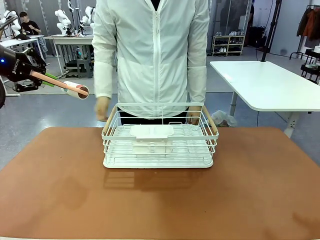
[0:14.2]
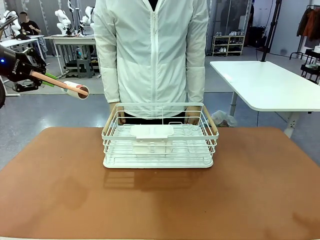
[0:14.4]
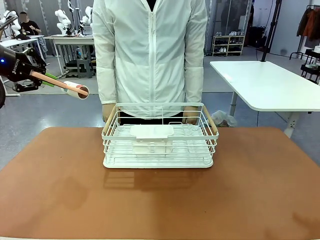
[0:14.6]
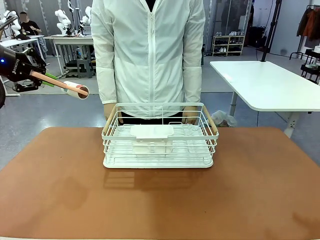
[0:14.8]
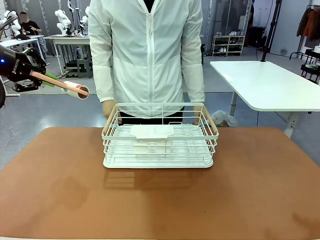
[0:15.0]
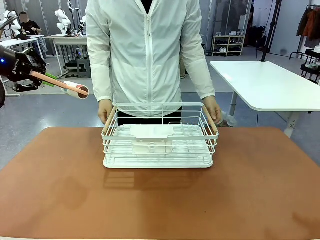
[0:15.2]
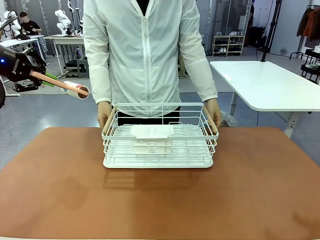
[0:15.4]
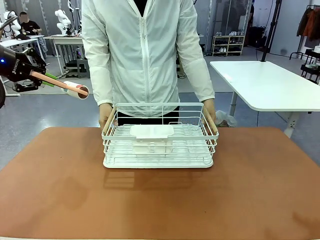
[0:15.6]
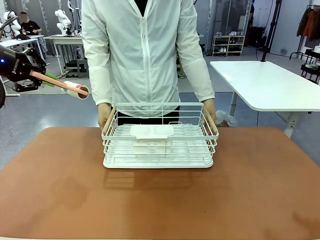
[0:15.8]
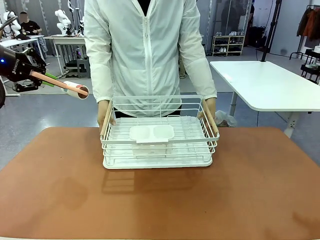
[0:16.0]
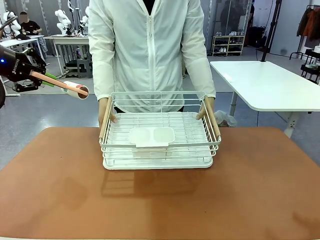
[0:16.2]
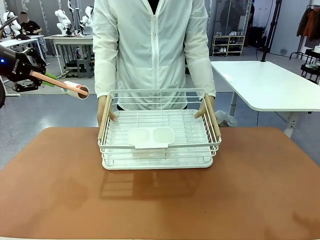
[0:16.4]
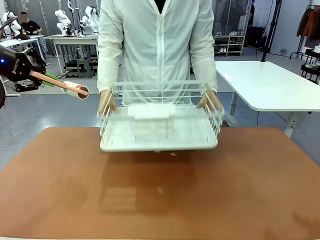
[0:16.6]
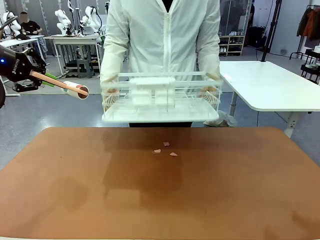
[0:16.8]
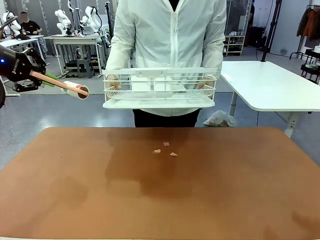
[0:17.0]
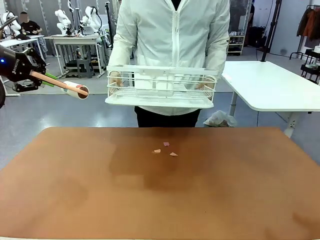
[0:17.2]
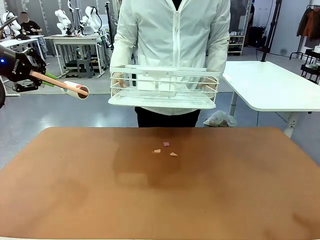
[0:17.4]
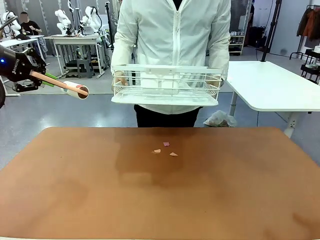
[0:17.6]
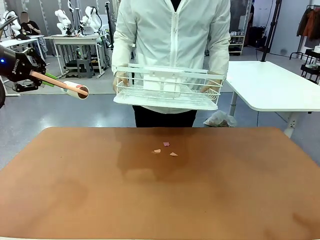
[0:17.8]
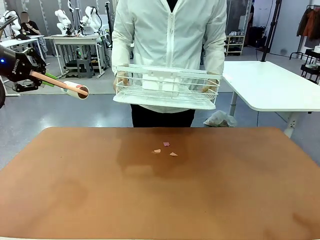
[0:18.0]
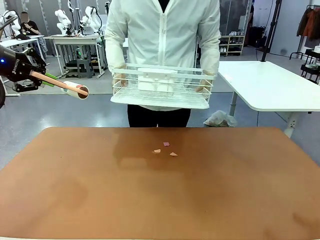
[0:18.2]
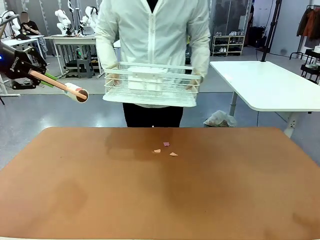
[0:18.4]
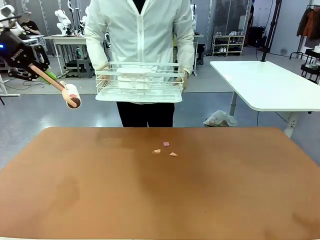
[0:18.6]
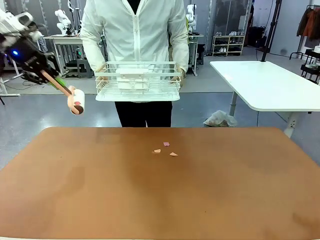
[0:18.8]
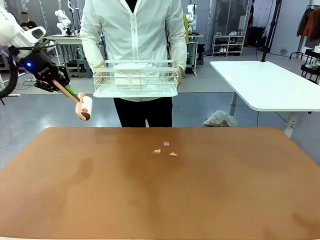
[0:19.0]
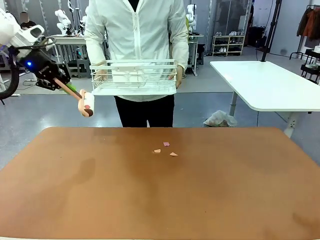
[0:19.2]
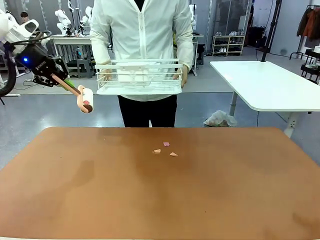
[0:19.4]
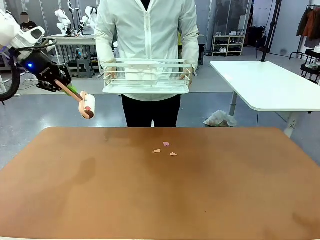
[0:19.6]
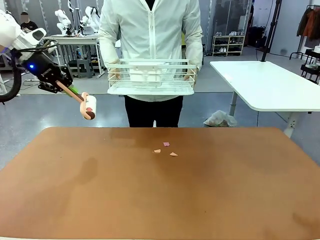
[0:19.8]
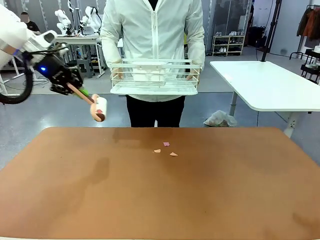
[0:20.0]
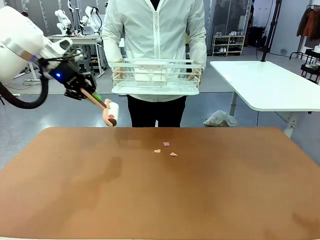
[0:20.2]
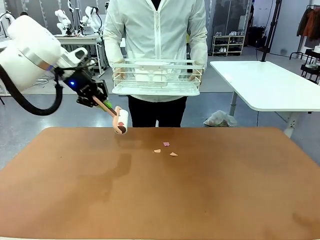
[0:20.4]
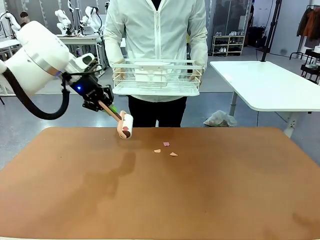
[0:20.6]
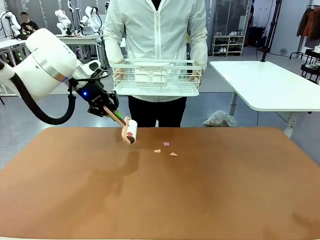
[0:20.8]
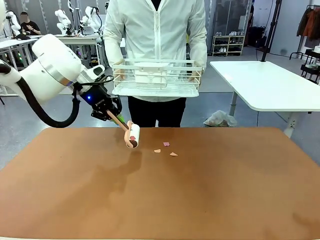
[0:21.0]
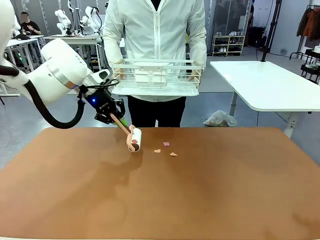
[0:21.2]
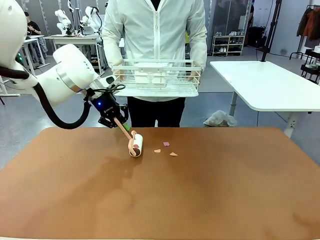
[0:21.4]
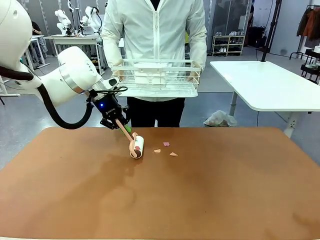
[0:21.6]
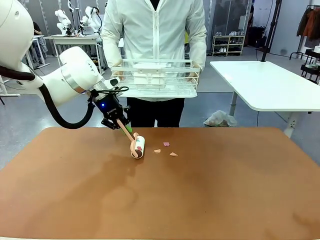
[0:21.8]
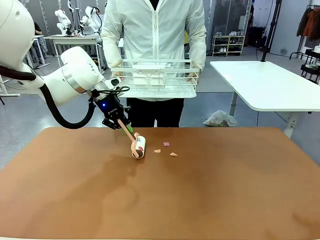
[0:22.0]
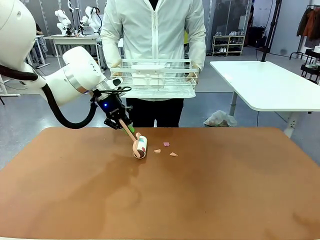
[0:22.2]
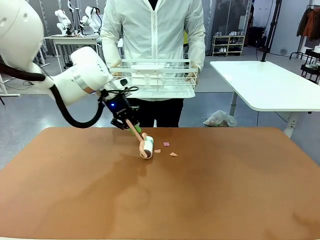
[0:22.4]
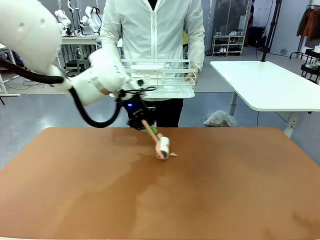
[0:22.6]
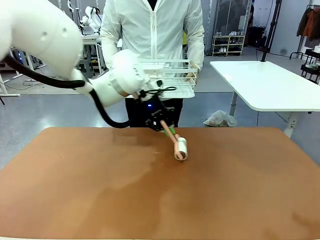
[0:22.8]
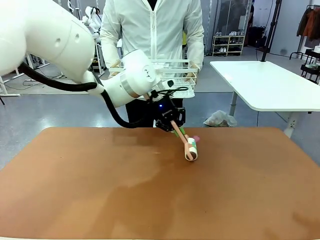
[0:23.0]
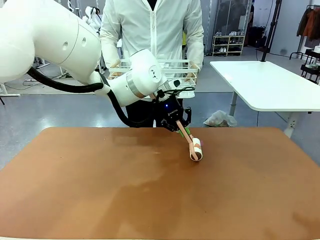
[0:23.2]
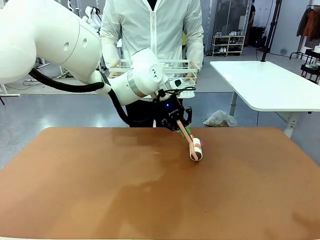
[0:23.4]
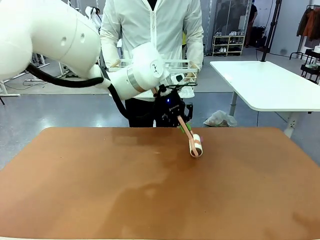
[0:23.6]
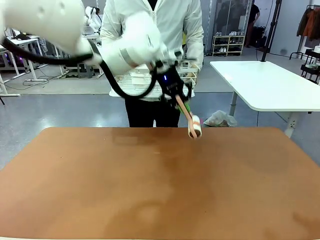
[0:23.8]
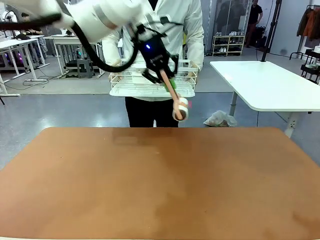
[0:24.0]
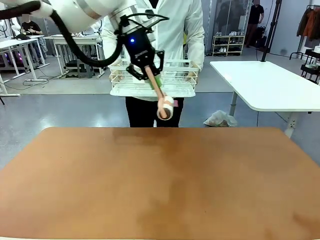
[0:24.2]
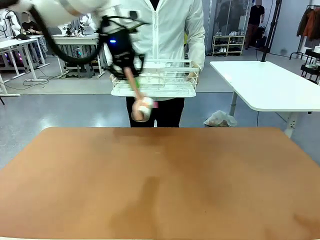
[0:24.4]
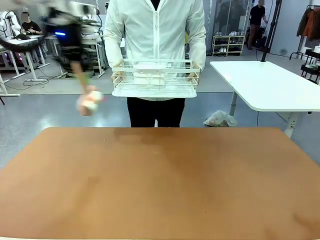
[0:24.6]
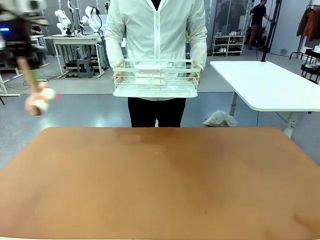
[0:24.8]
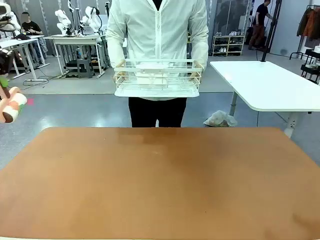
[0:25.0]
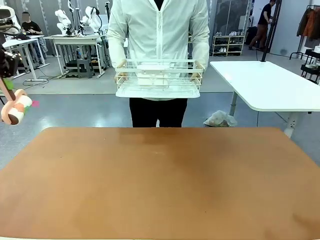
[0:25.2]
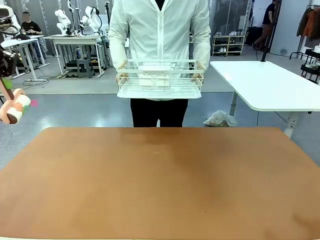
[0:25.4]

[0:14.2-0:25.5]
Task: Clean the table.
Robot: Clean the table with the Lint Roller when the human lifts the Dish drying rack.

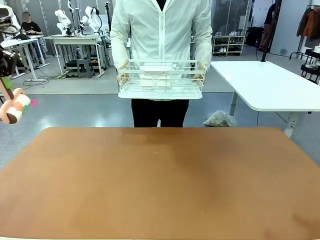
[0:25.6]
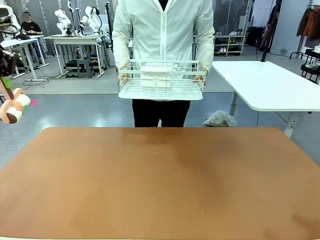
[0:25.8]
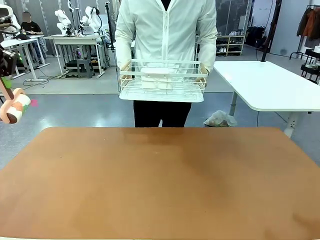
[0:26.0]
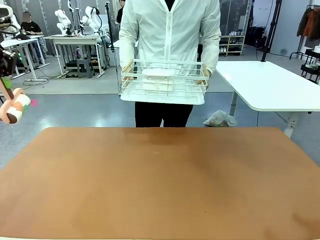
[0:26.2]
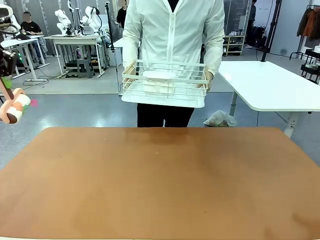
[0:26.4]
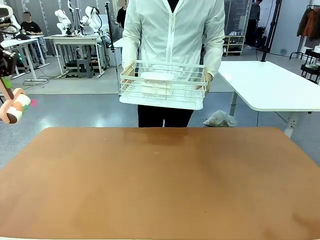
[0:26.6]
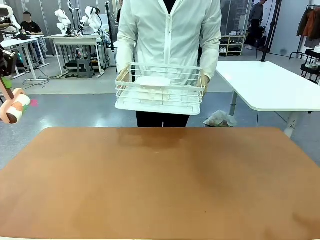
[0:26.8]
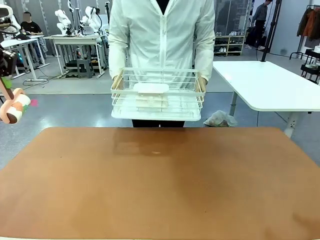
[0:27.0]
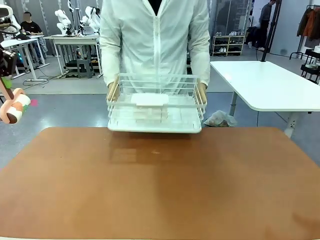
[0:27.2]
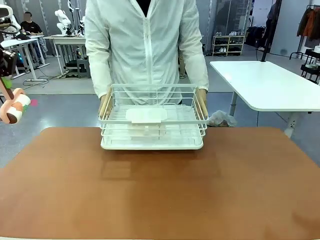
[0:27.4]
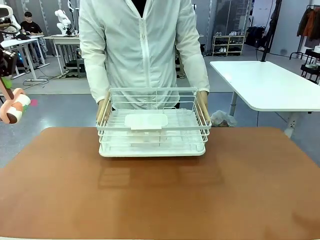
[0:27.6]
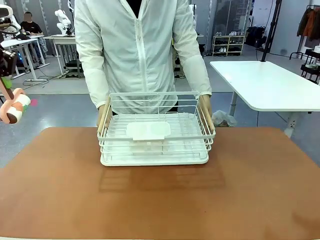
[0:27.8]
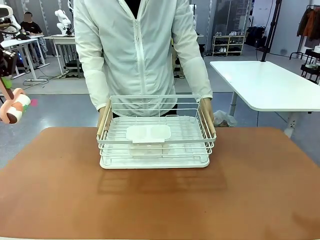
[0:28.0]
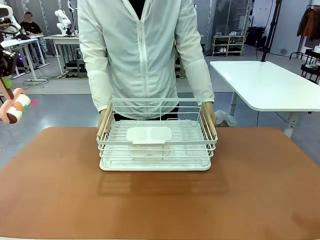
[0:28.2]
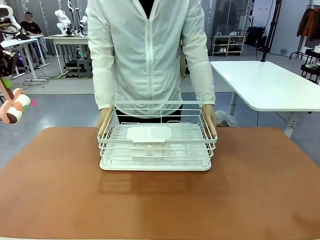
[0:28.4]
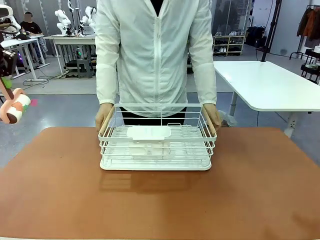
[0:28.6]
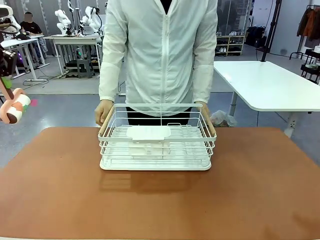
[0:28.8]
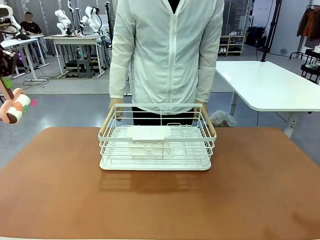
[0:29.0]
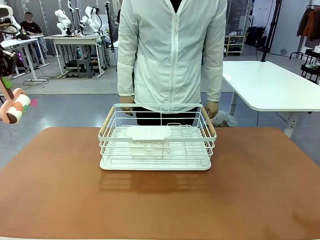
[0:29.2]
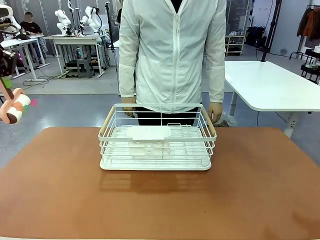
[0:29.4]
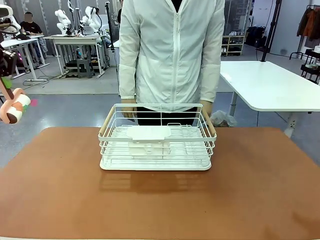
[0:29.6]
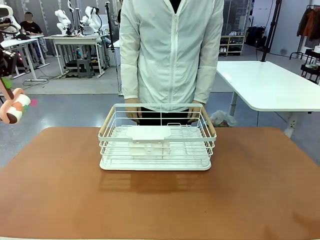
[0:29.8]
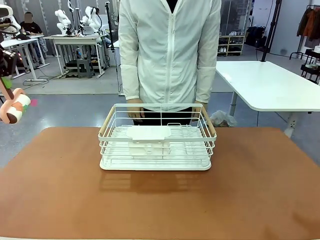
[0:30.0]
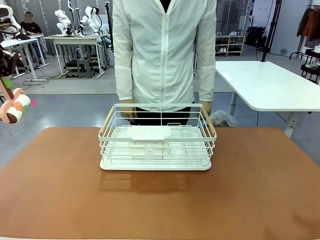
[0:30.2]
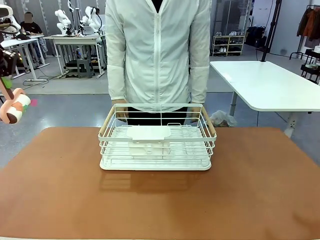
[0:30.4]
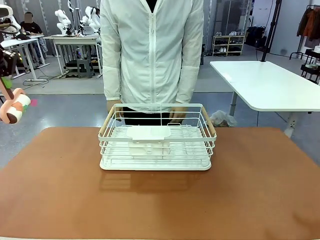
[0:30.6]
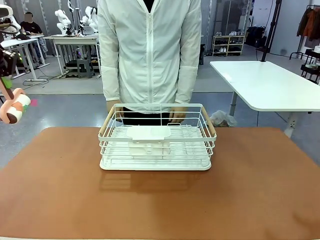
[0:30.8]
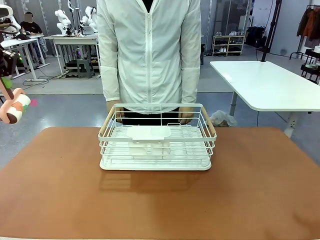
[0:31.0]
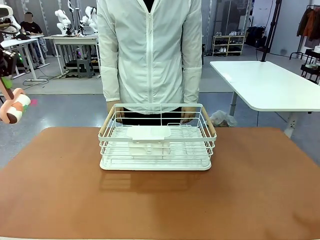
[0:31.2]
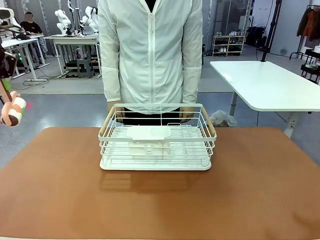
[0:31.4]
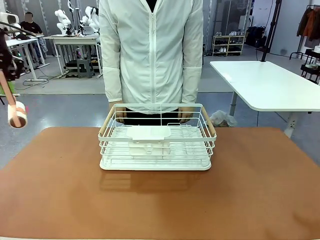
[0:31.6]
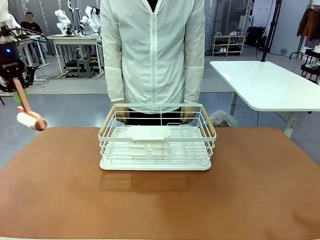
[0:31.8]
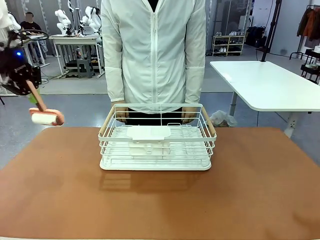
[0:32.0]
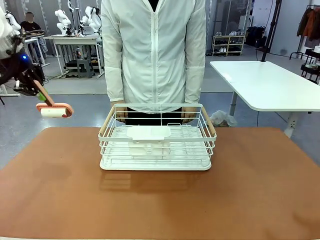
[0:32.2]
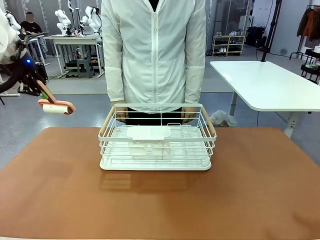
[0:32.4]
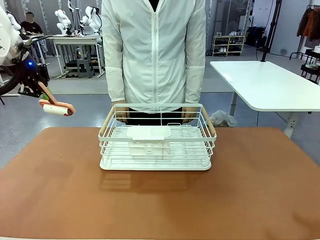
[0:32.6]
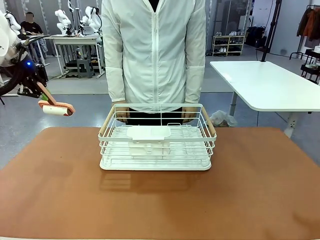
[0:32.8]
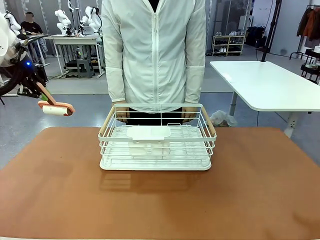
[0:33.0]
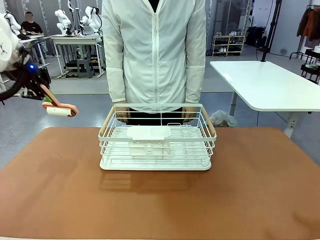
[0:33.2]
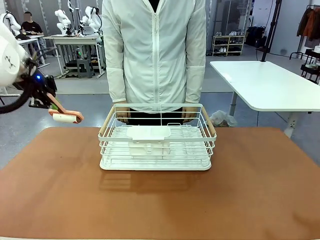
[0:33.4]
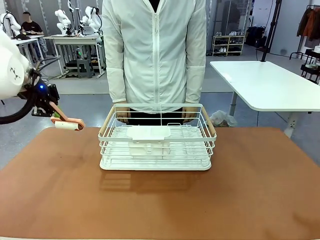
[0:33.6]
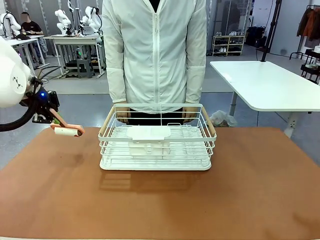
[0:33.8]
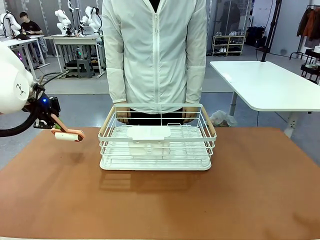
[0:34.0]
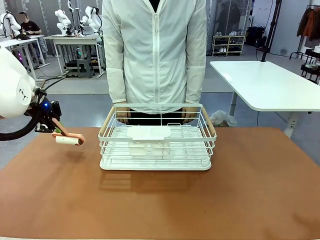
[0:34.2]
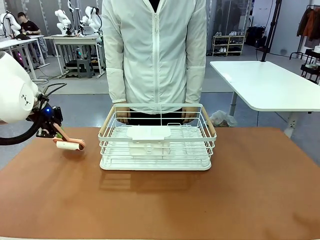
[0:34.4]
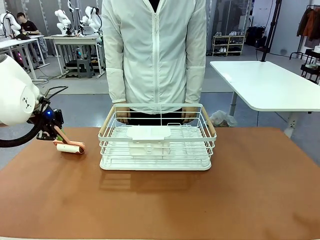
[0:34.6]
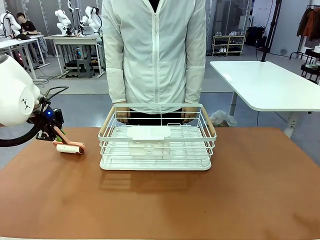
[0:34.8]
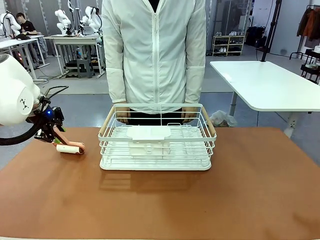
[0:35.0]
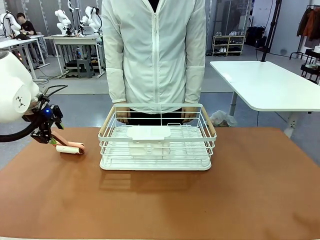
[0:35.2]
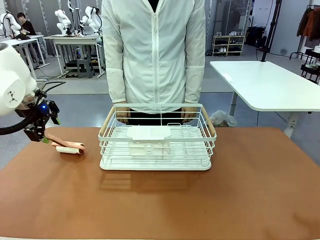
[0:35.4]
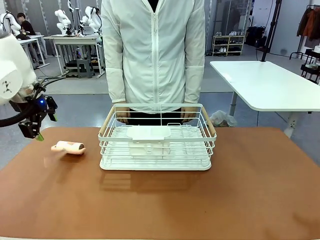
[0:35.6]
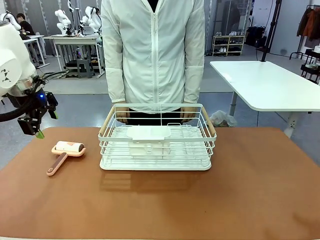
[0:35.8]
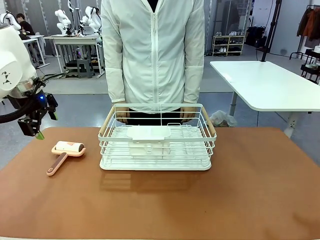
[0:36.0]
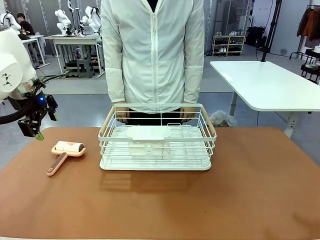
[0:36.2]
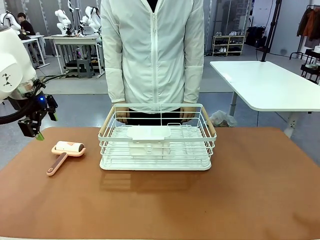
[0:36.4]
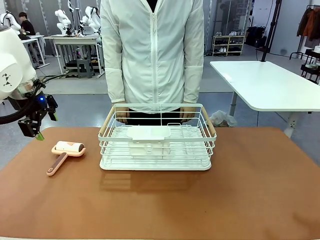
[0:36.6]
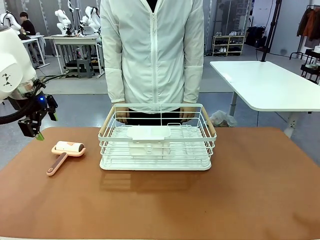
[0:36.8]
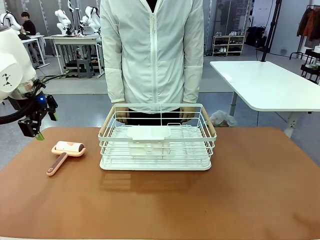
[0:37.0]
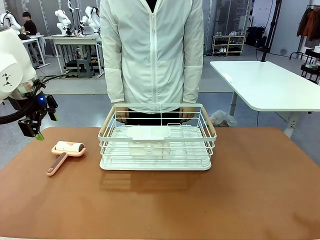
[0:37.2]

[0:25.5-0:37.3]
Robot: Place the Lint Roller down when the Dish drying rack is positioned in the middle of the table.
Person: Place the Dish drying rack down when the robot finishes cleaning.
